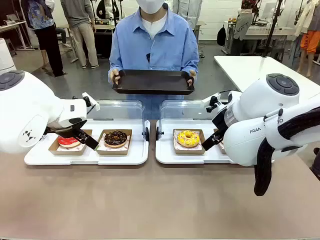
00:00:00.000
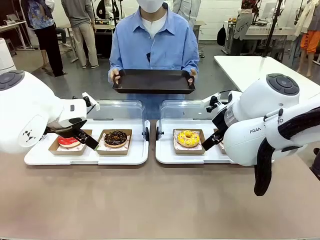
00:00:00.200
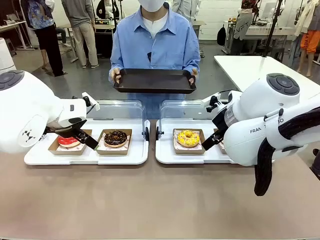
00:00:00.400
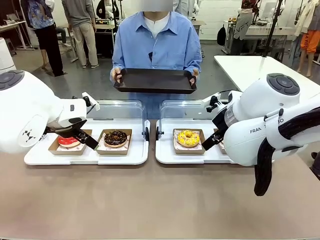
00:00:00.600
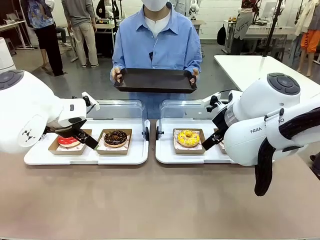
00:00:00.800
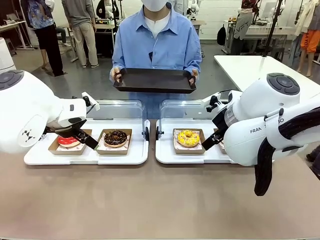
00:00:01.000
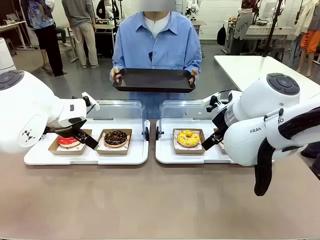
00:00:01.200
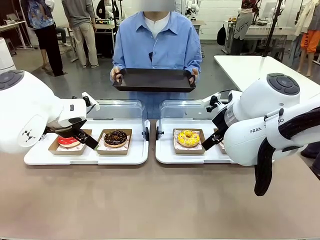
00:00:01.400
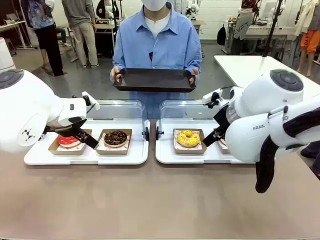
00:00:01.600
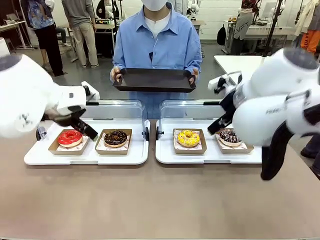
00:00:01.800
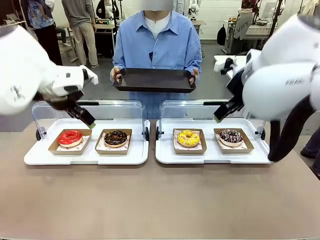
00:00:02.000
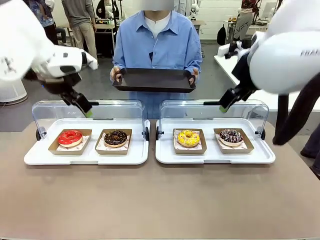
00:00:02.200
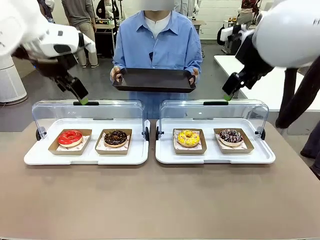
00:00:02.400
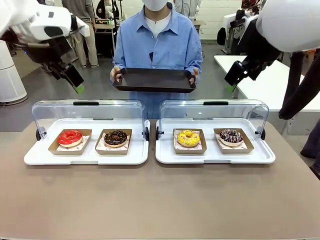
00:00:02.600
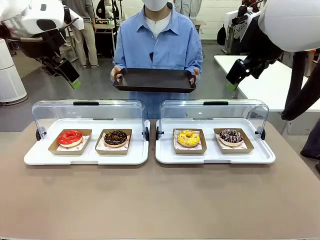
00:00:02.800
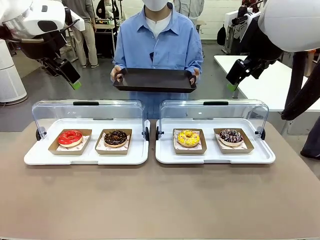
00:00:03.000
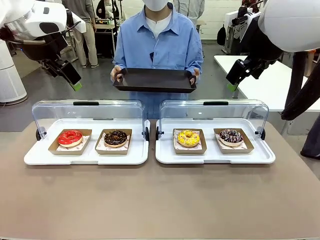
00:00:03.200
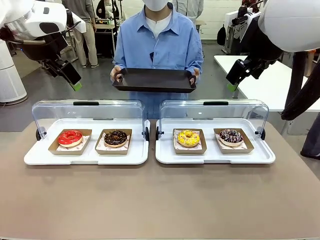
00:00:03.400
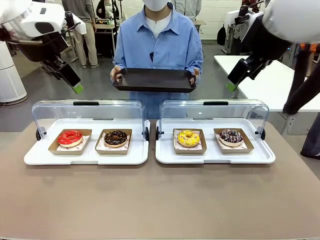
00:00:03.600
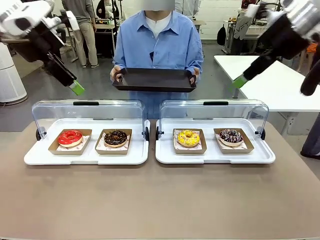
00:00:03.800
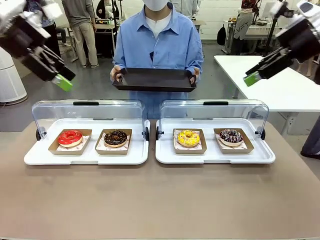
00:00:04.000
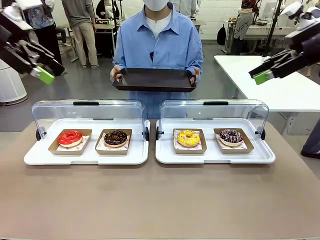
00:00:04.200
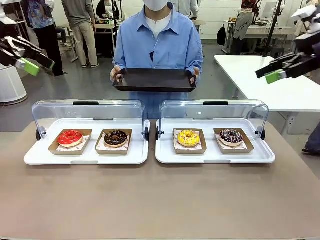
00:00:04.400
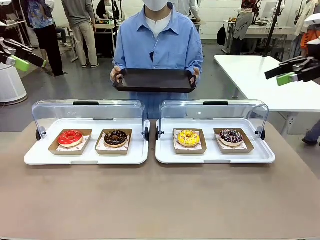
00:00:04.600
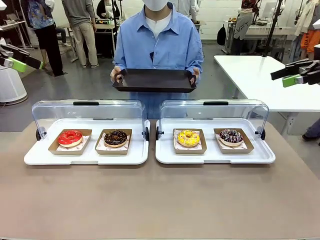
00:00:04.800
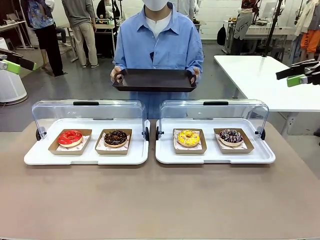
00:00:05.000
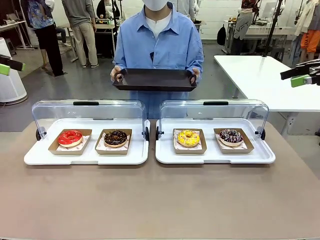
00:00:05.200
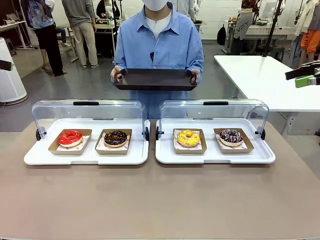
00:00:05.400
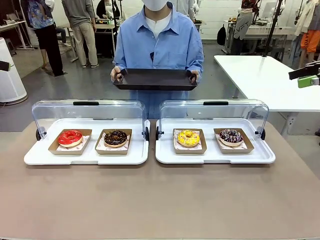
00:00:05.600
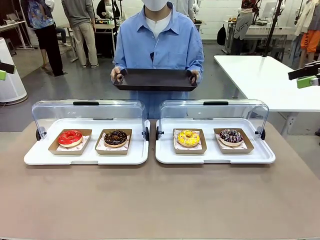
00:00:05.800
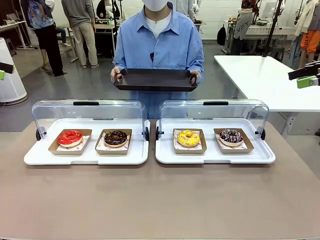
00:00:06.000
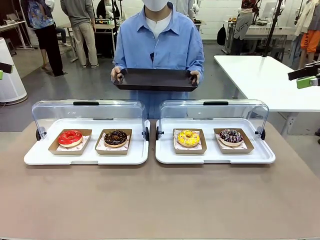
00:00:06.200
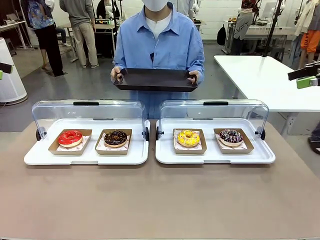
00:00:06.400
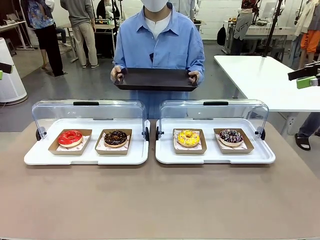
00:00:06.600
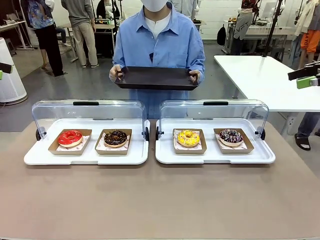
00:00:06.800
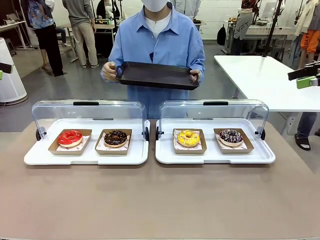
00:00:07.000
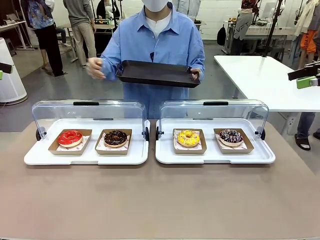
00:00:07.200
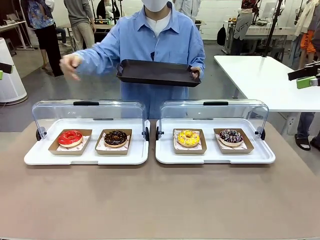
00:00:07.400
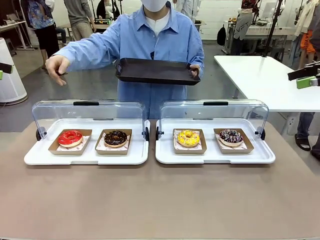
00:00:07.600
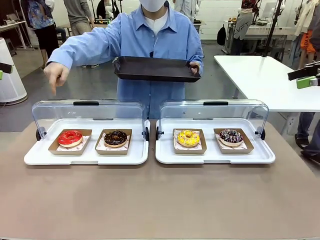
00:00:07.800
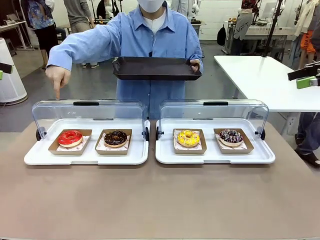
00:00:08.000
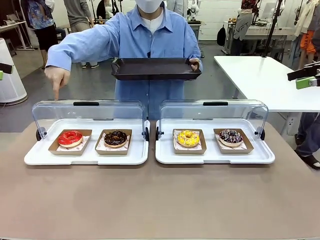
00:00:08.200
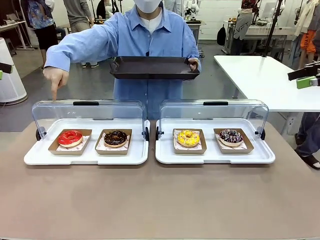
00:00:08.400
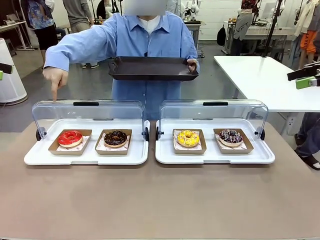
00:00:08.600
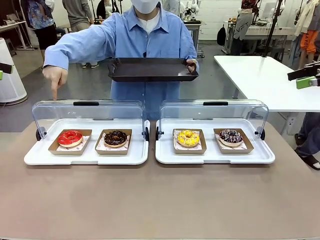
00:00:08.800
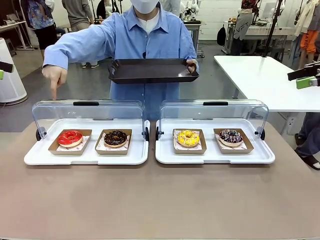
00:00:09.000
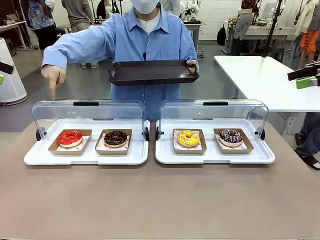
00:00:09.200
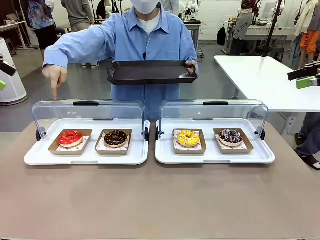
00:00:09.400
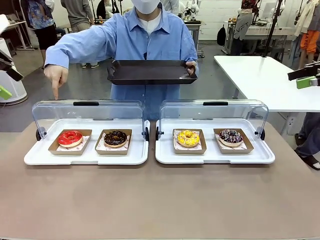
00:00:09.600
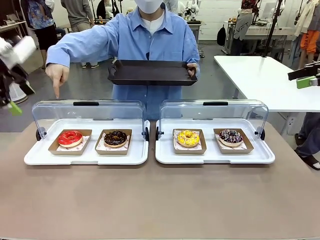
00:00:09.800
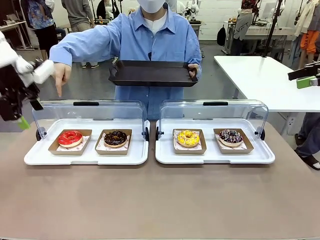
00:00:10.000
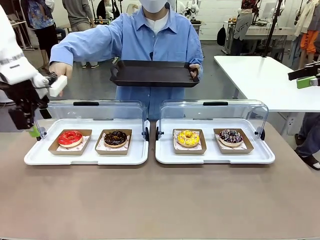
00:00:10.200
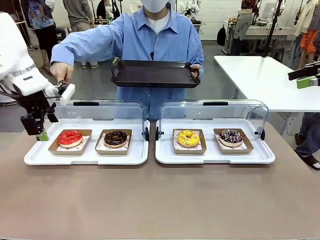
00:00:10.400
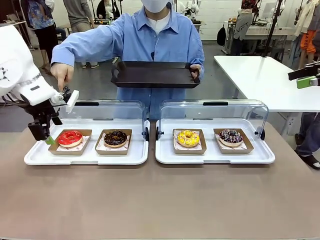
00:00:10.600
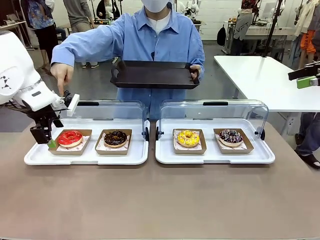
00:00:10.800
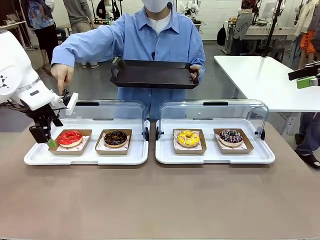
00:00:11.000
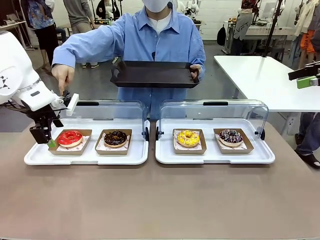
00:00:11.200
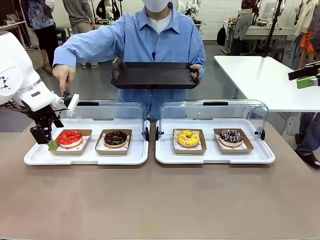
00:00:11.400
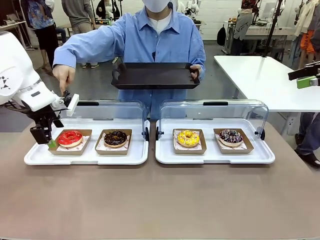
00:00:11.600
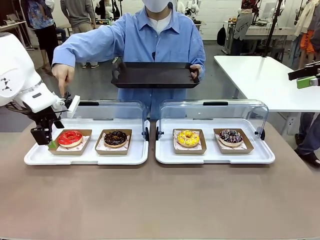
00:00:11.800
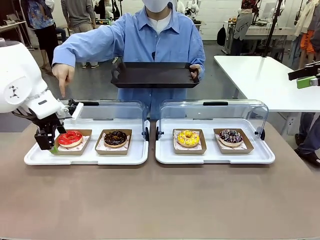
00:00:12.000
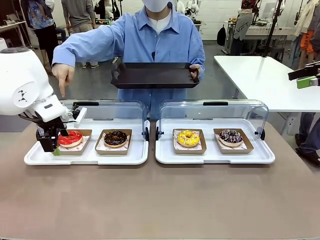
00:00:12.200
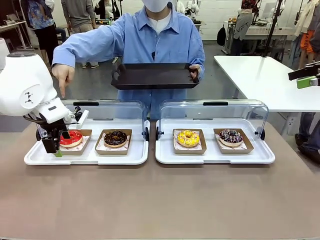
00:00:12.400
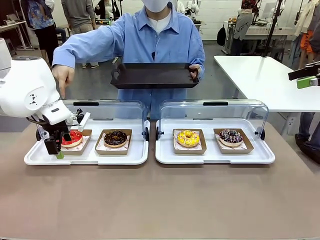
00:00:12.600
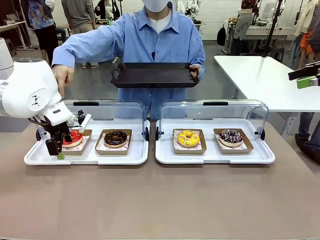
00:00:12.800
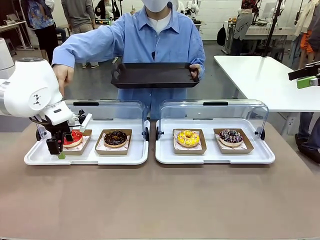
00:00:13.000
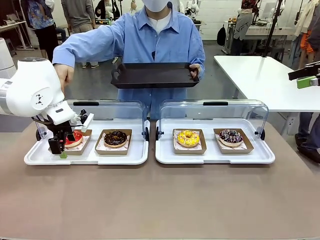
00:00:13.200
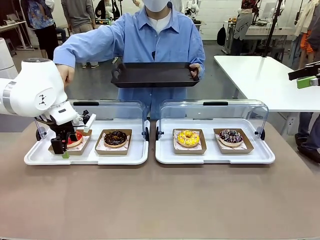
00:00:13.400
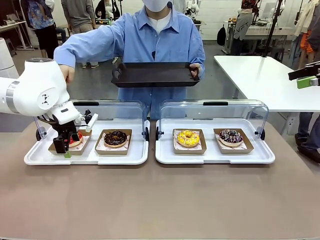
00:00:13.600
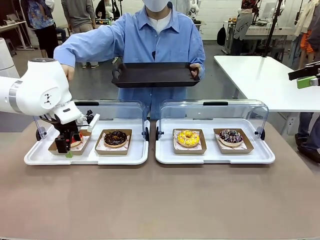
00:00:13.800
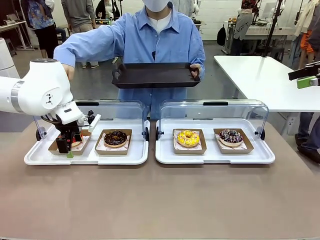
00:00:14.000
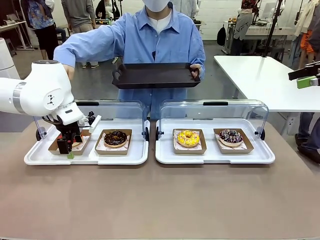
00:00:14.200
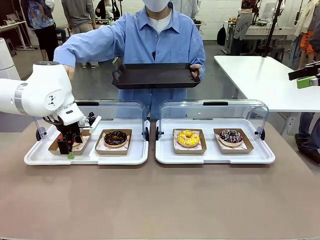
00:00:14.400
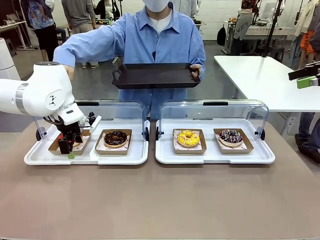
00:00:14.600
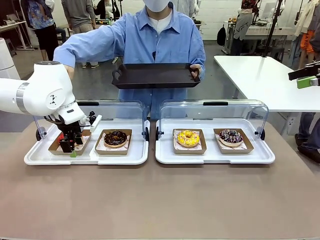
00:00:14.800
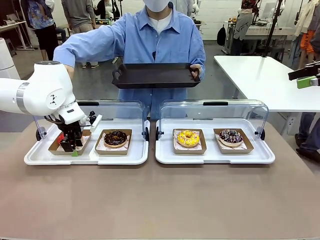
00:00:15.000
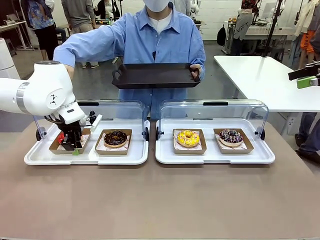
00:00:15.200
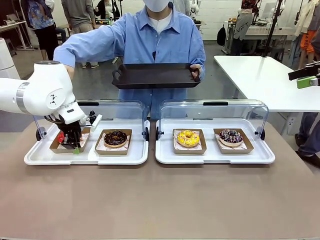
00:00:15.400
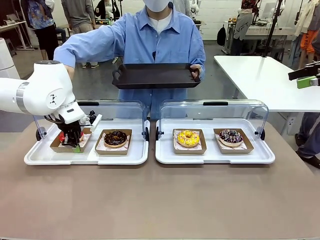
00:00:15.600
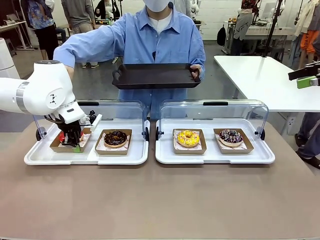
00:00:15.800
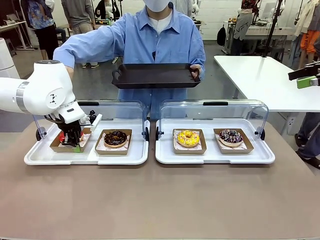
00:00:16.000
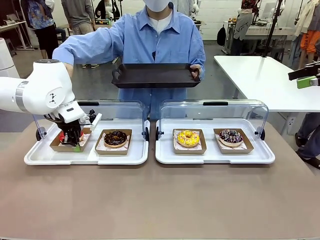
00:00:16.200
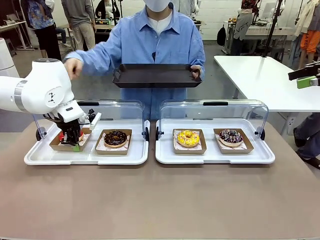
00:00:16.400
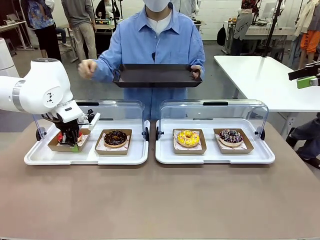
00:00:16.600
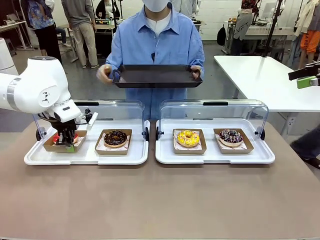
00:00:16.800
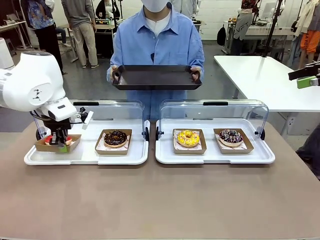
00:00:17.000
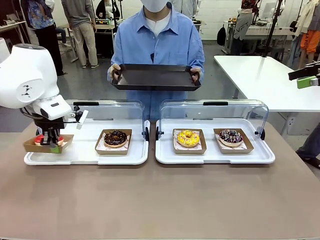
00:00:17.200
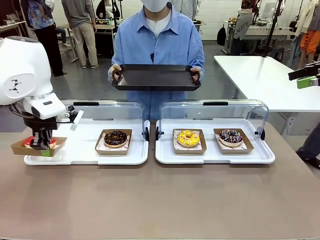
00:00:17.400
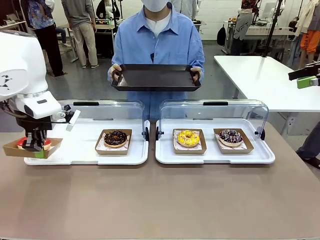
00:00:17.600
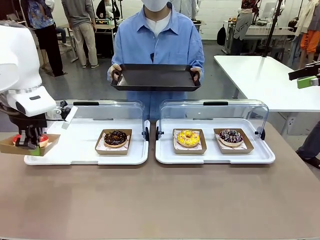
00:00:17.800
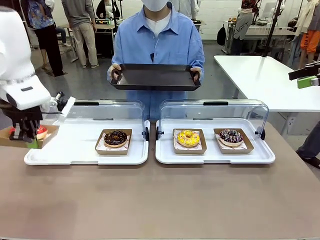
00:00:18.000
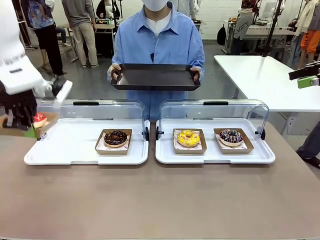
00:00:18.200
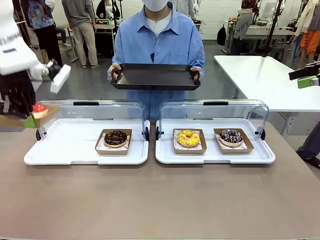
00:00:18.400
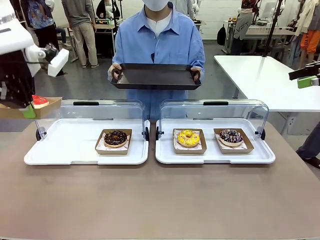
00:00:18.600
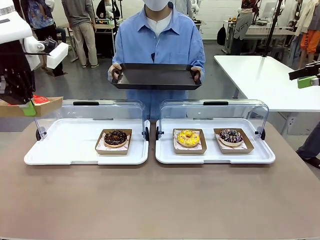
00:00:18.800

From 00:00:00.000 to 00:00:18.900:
Task: Provide the desired donut to the person.
Robot: Pick up and lift the Paper togo box containing the Donut pointed at by the person.
Person: Point to one donut. Lift the tray onto the Roll-Top Bakery Case.
